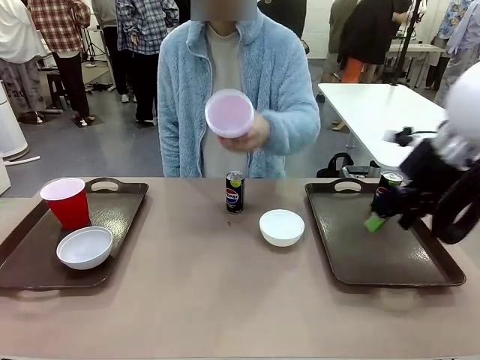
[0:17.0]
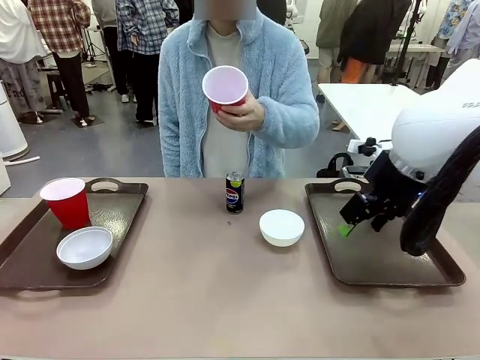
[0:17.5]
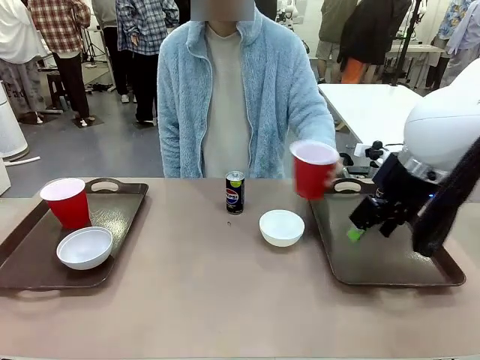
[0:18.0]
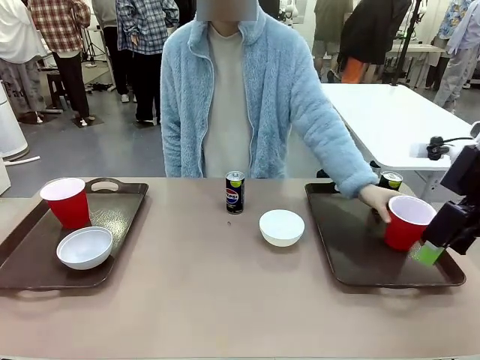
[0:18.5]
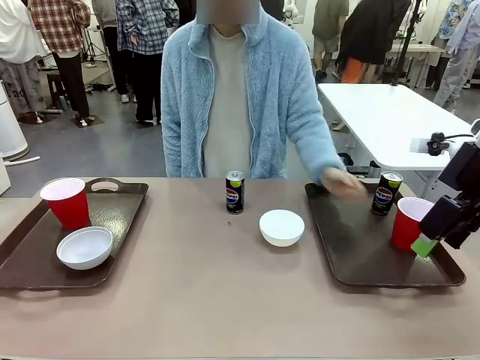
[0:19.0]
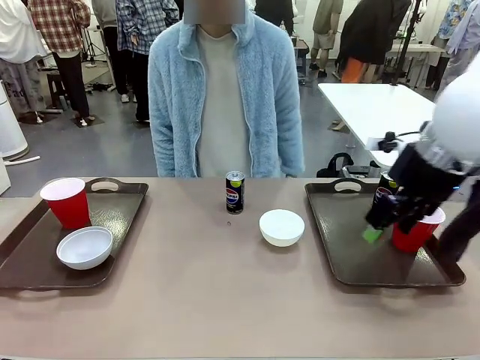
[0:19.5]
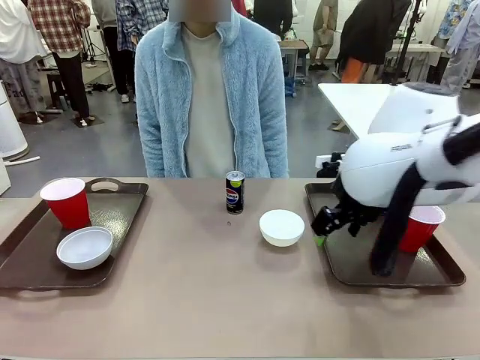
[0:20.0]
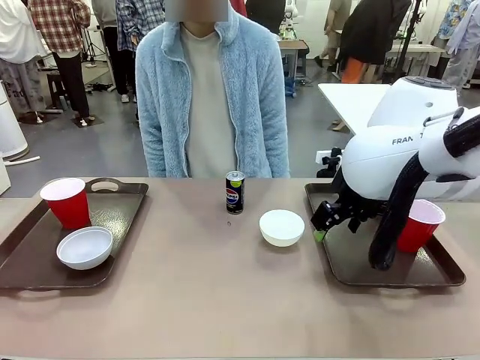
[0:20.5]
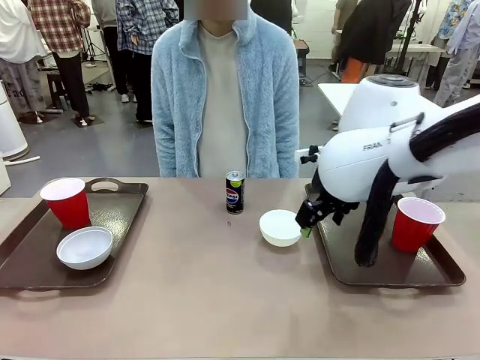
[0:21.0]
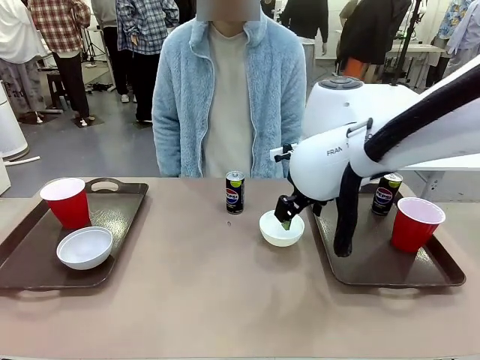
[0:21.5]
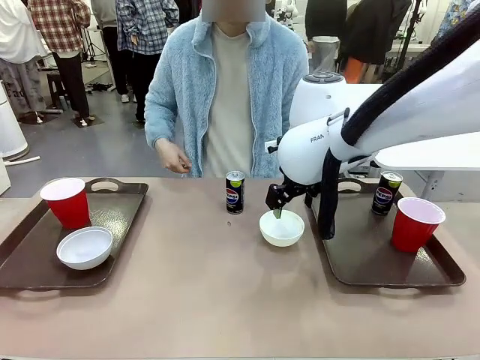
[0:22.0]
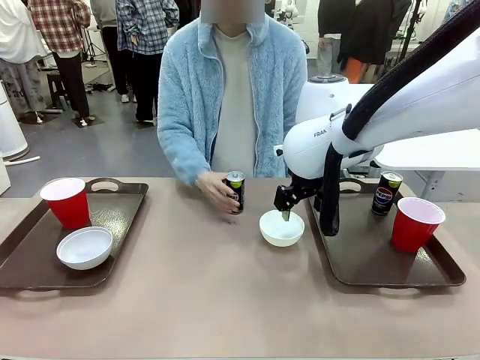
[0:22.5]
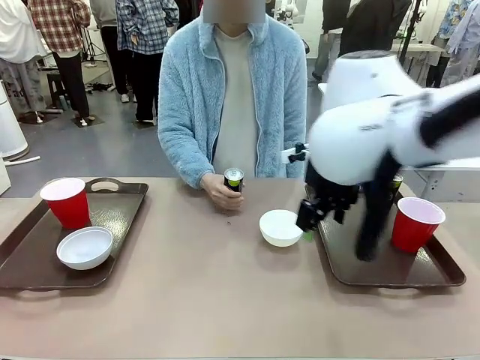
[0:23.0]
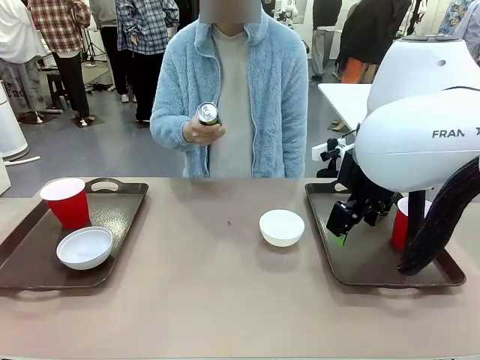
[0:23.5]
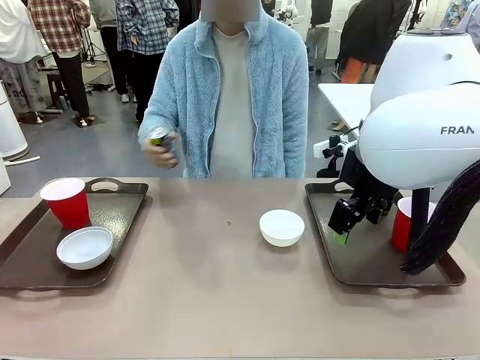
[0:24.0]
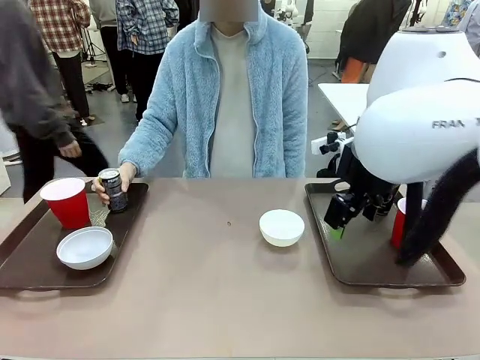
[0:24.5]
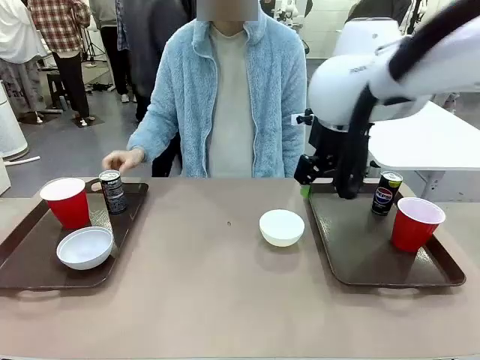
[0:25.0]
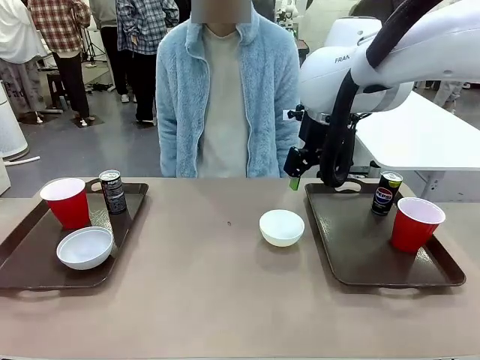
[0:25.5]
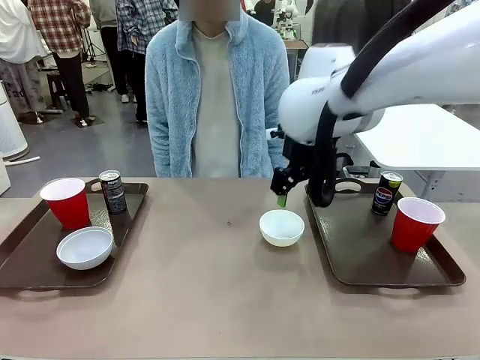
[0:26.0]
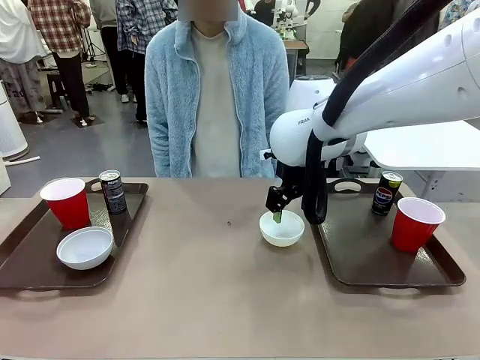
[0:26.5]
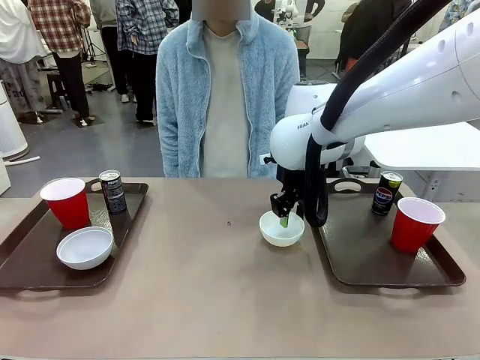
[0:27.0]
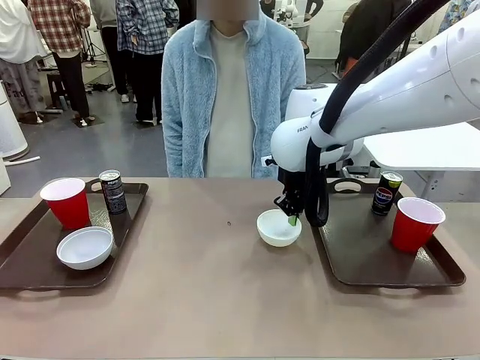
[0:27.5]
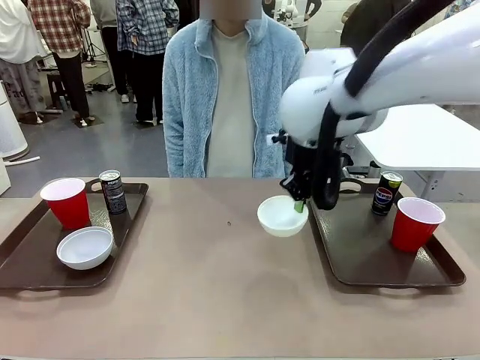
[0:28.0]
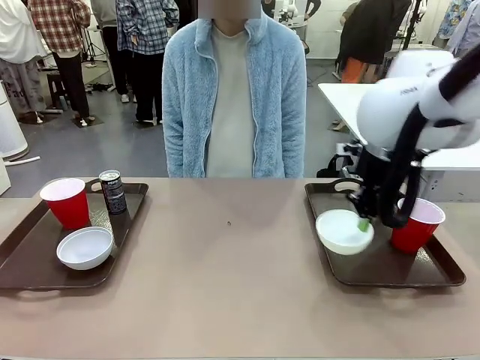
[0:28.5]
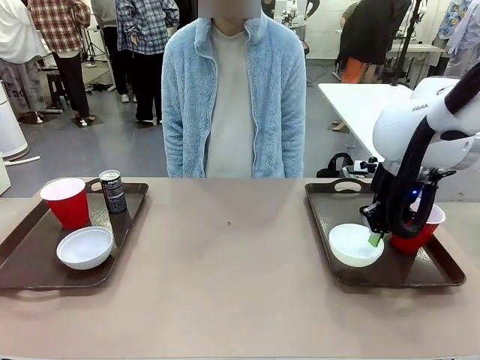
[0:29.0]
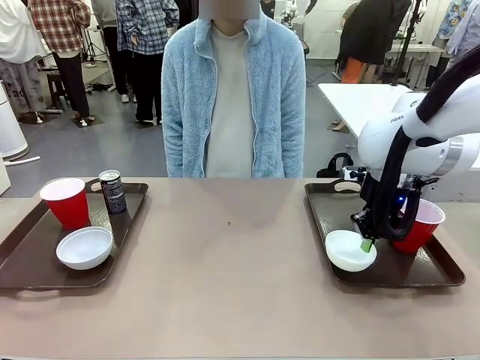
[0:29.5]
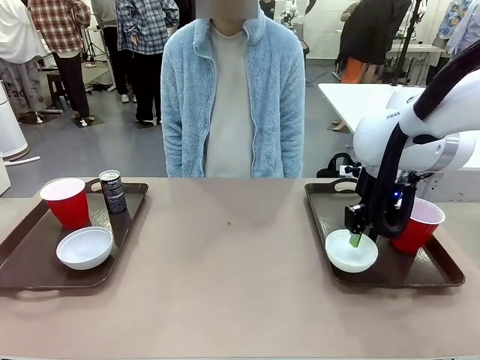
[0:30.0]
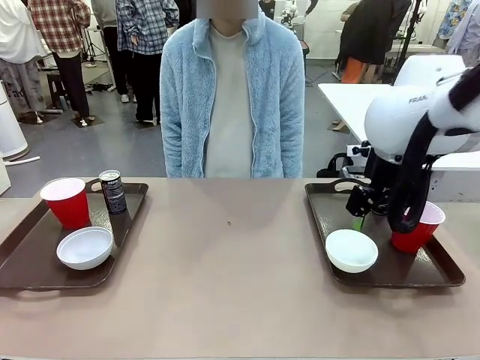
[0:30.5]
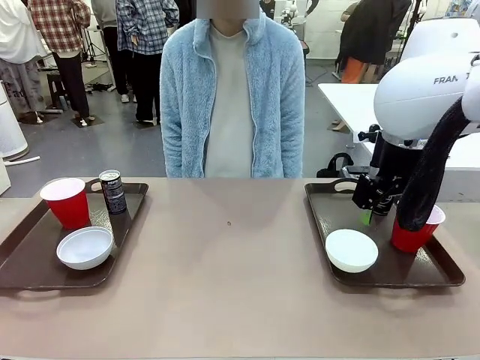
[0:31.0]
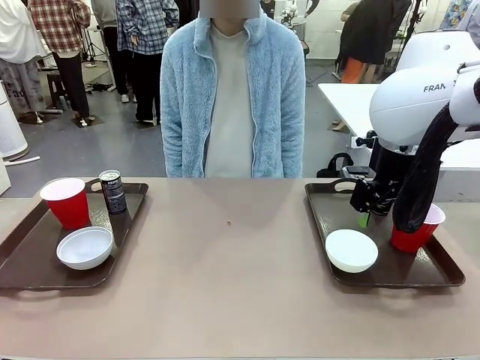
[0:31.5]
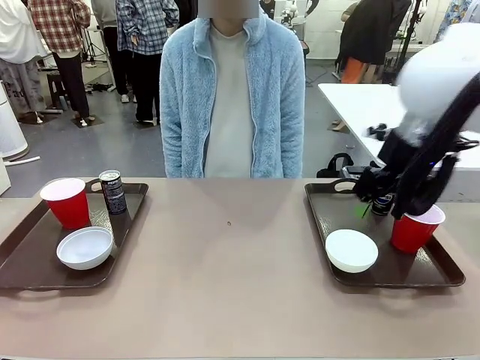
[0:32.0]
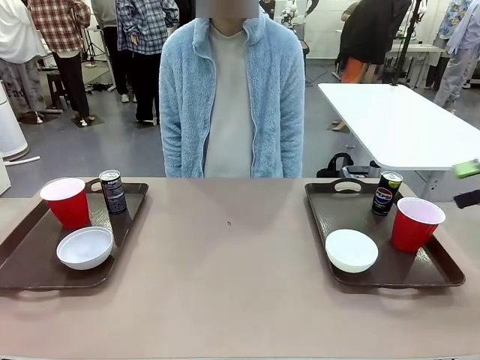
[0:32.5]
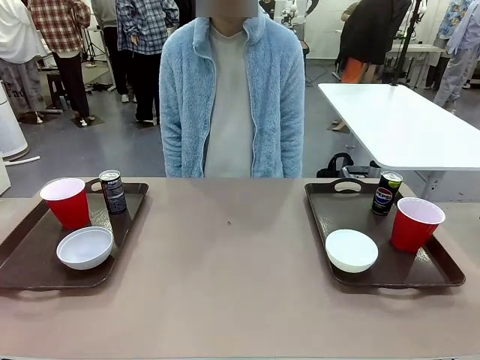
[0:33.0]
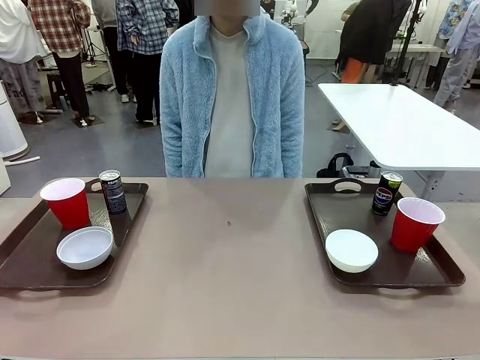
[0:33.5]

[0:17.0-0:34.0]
Task: Prepare tableware on both trays.
Robot: Pick up a Picnic Bowl from the table and place it on a Handle tray.
Person: Pick up a can or cup and place it on the tray without a can or cup.

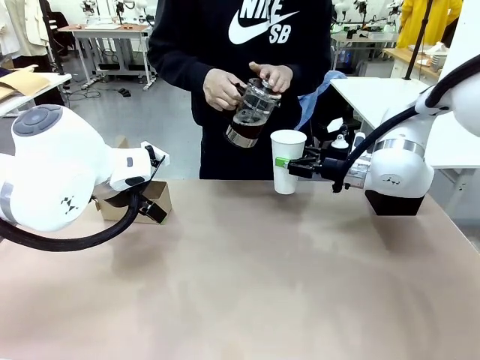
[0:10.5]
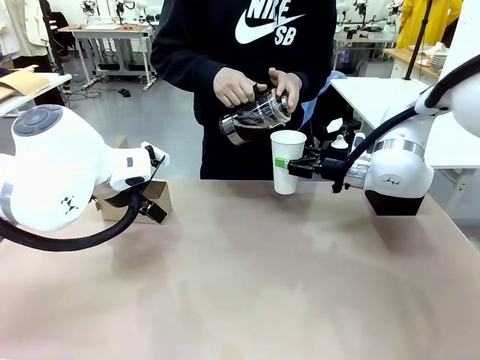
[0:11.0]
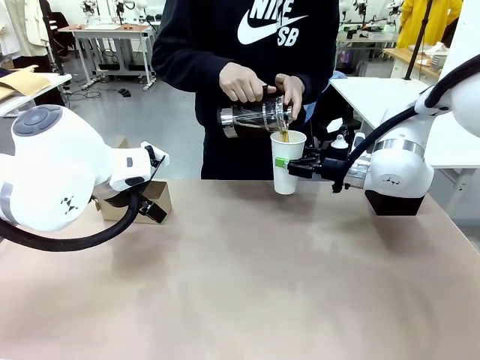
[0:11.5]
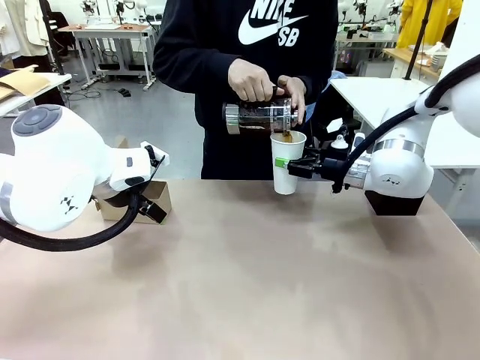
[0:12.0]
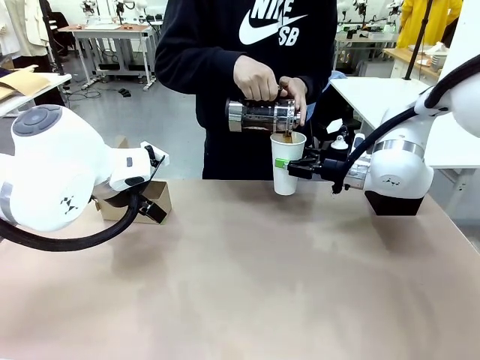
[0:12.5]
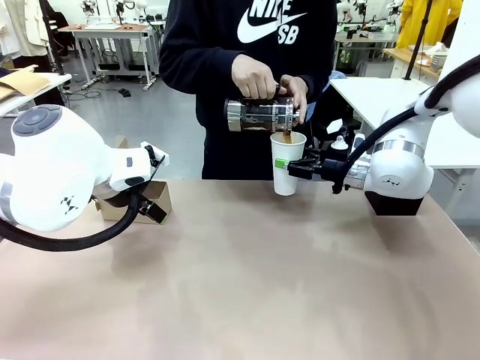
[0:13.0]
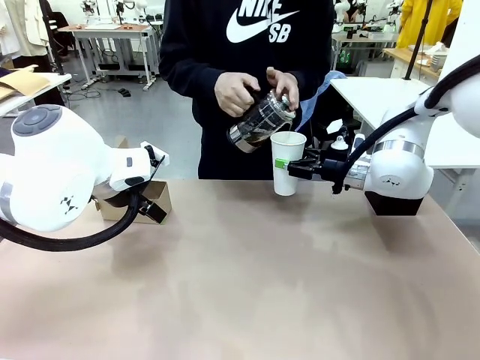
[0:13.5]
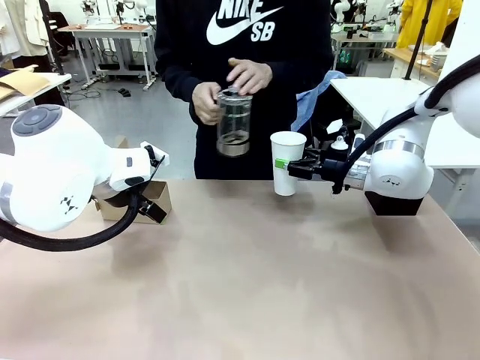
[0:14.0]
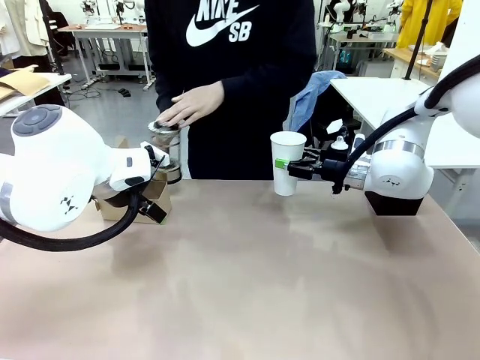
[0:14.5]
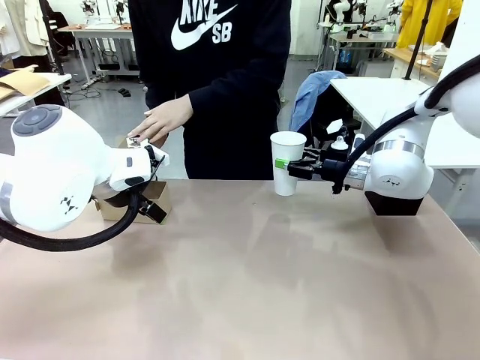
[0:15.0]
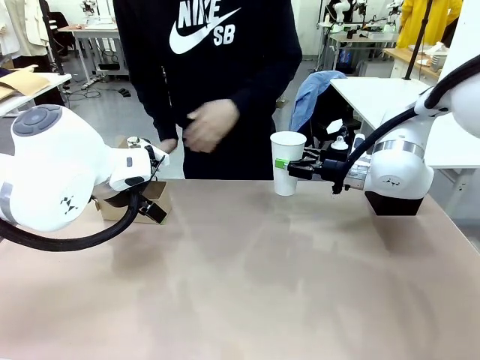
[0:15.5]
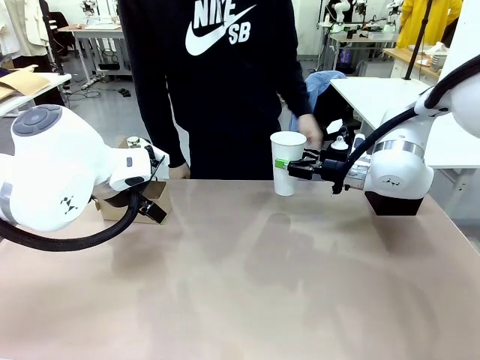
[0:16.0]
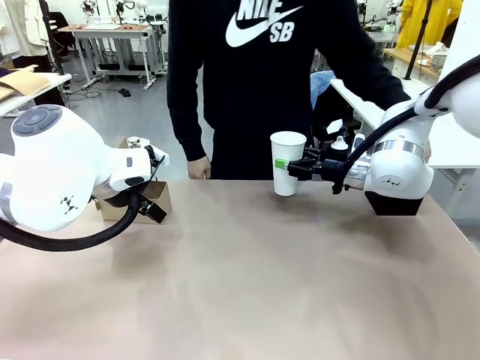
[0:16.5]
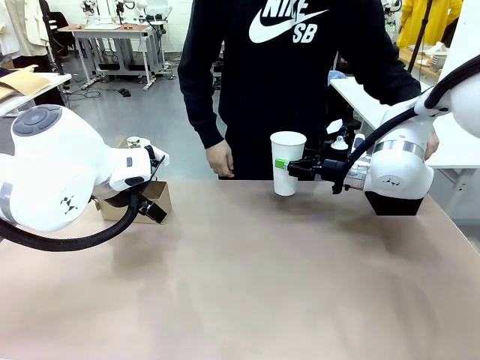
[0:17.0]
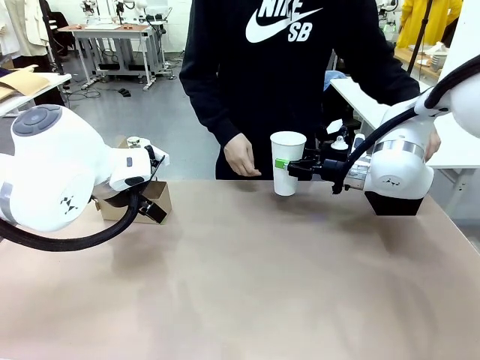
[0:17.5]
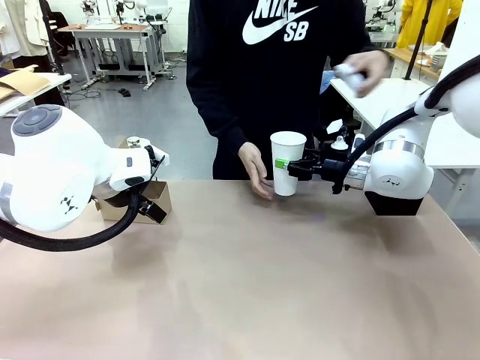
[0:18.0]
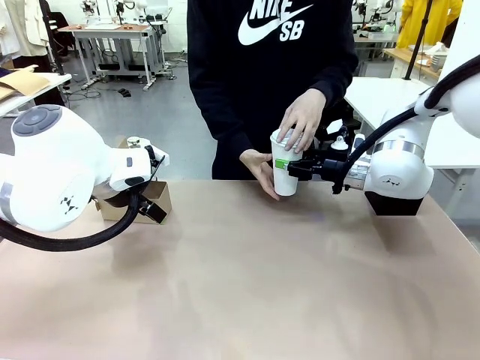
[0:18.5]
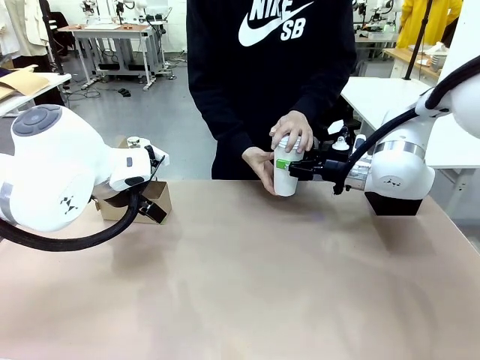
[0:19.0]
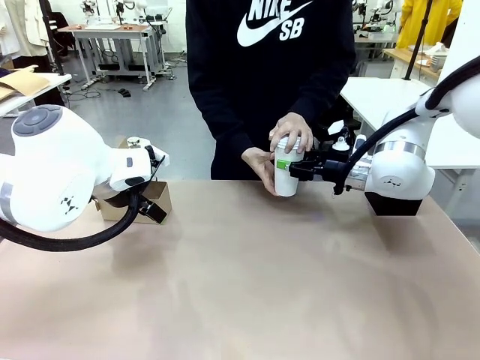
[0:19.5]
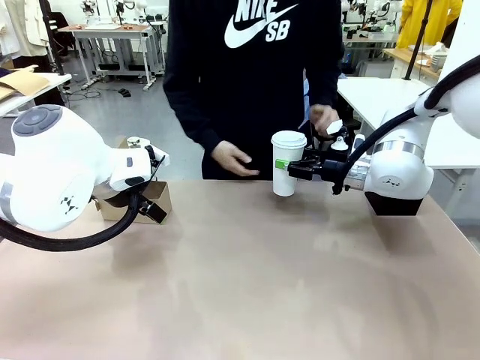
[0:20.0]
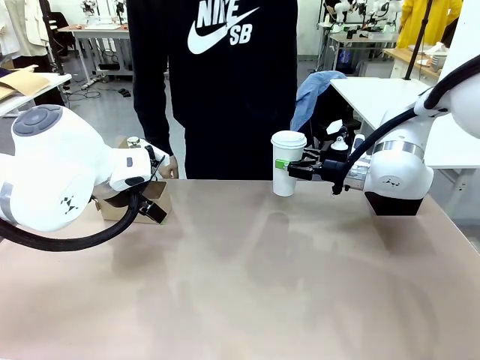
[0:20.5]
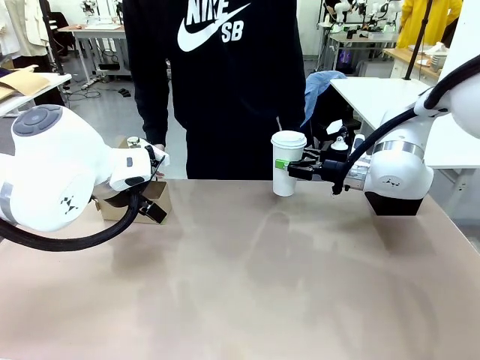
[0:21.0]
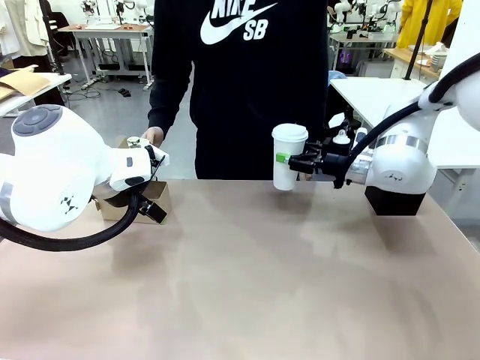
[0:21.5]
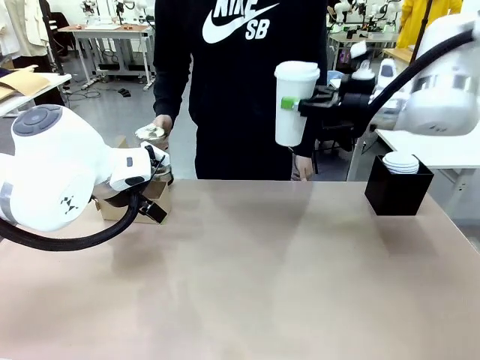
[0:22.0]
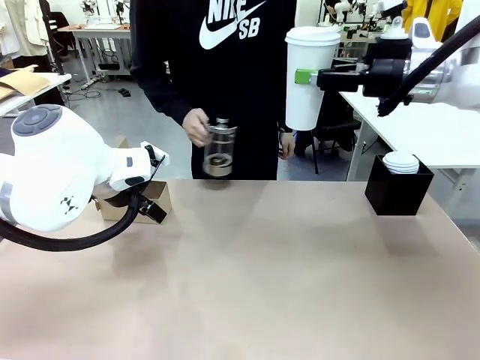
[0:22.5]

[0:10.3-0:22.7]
Task: Pour a drink into a cup and package it in a carrier.
Robot: When a person places the Paper Cup Lid on the 600 ml Paper Cup , lift the 600 ml Paper Cup.
Person: Pour the drink from the Filter Brewing into the 600 ml Paper Cup. Place a Paper Cup Lid on the 600 ml Paper Cup.
